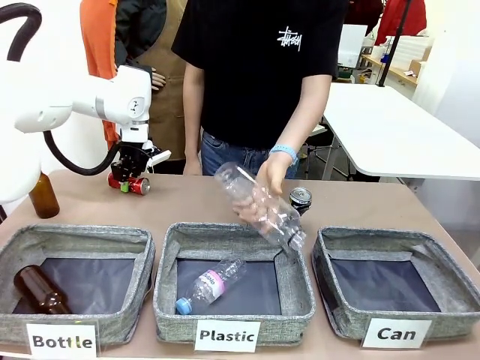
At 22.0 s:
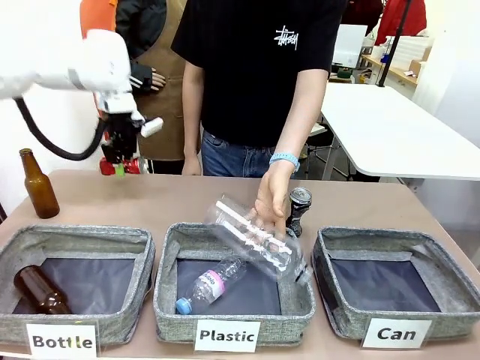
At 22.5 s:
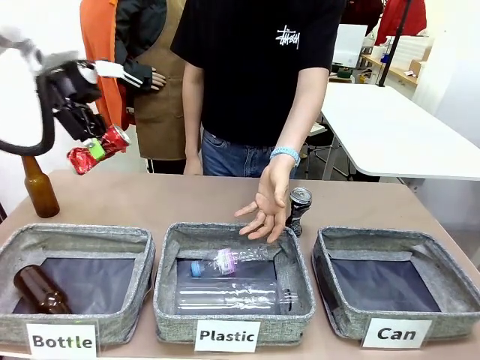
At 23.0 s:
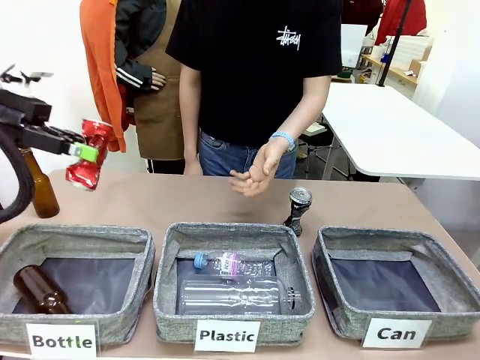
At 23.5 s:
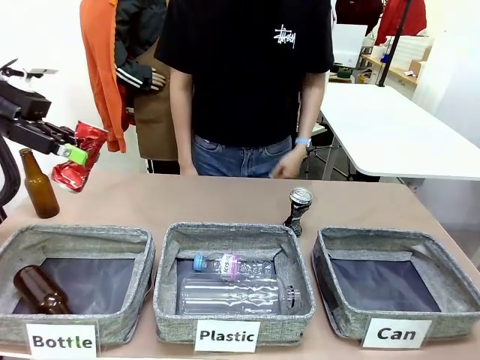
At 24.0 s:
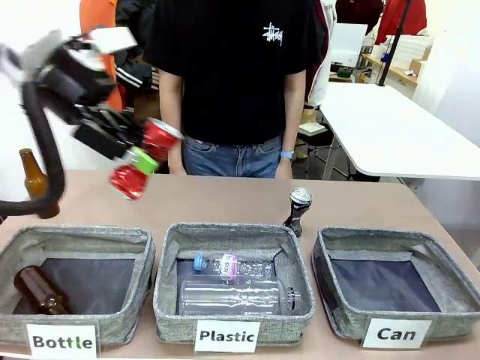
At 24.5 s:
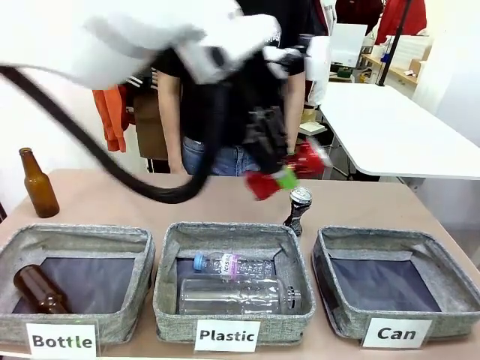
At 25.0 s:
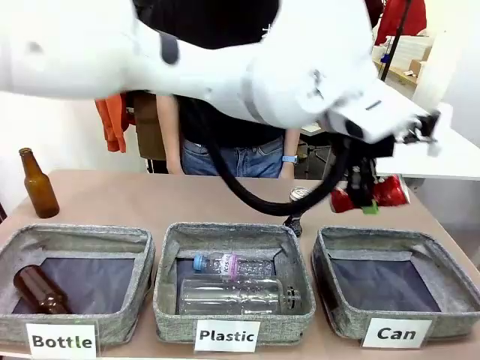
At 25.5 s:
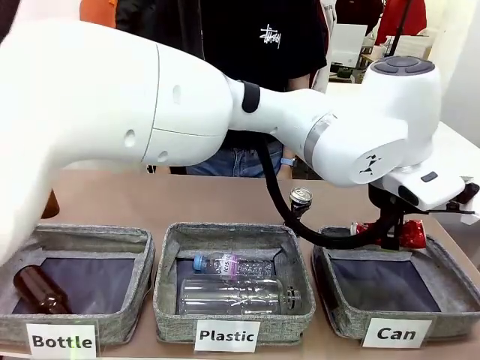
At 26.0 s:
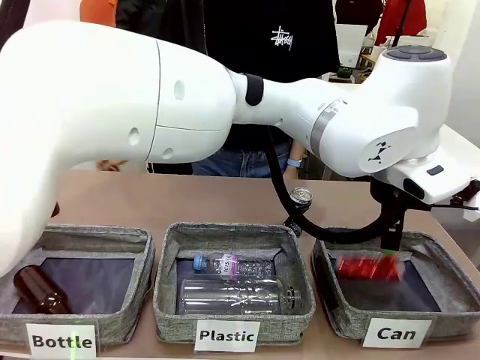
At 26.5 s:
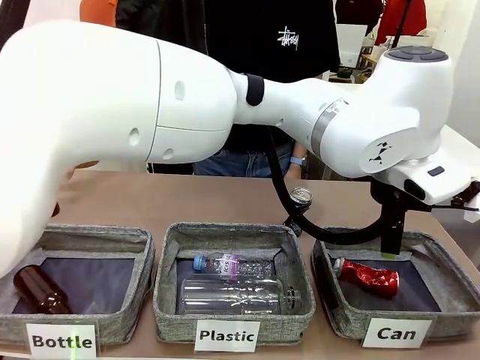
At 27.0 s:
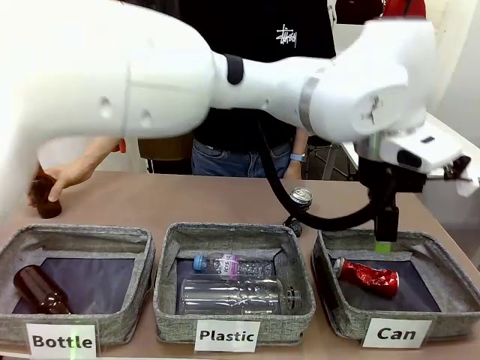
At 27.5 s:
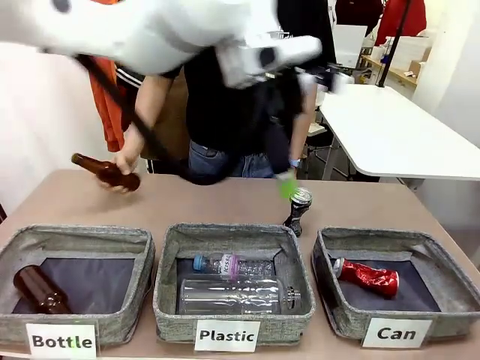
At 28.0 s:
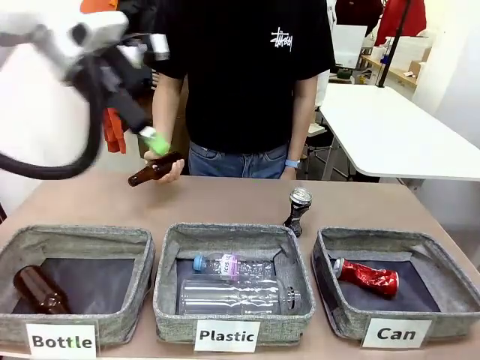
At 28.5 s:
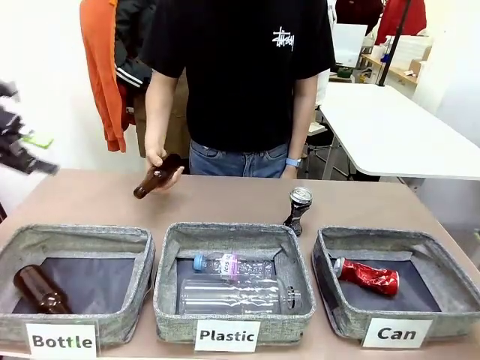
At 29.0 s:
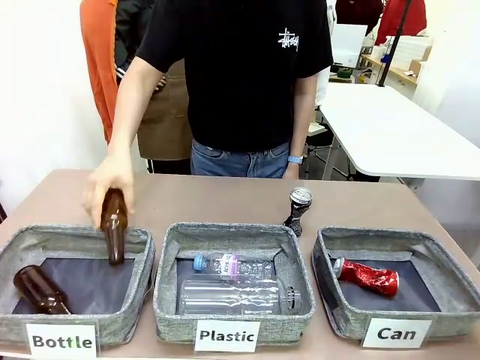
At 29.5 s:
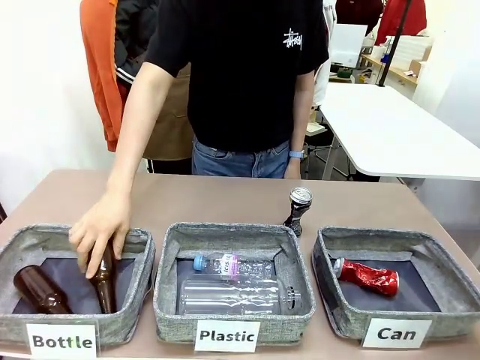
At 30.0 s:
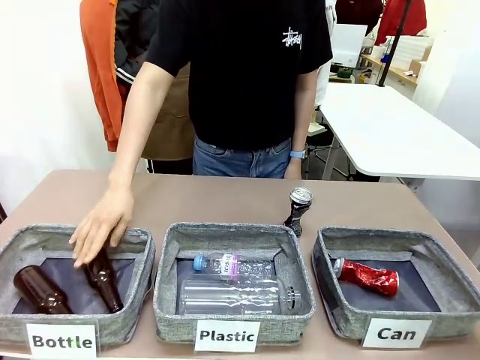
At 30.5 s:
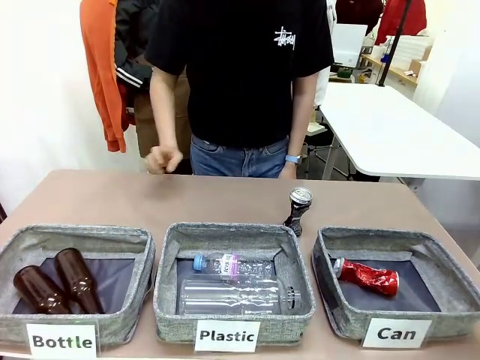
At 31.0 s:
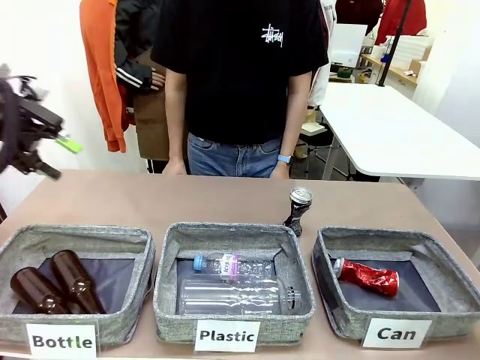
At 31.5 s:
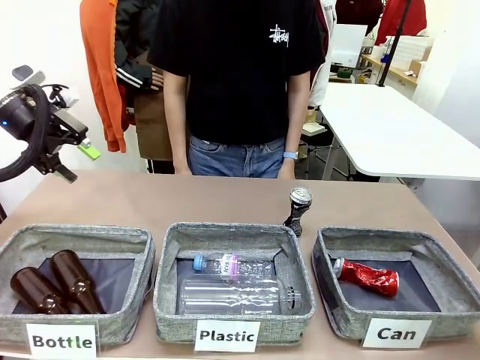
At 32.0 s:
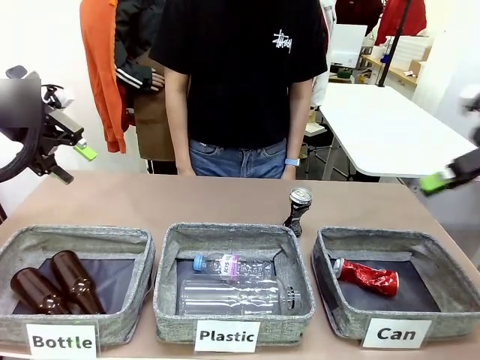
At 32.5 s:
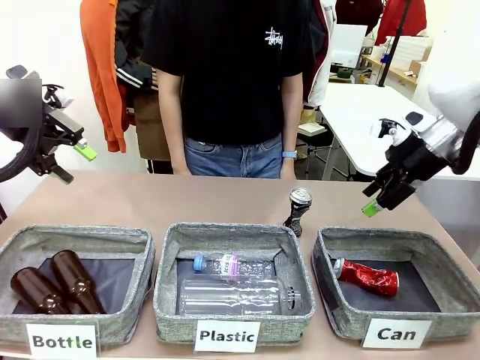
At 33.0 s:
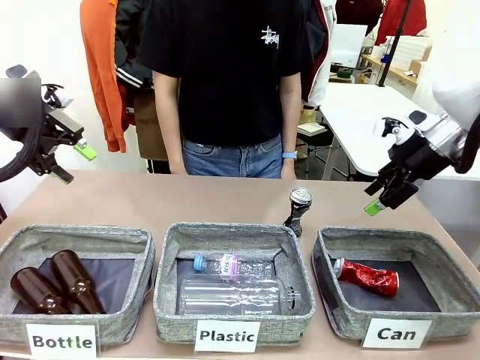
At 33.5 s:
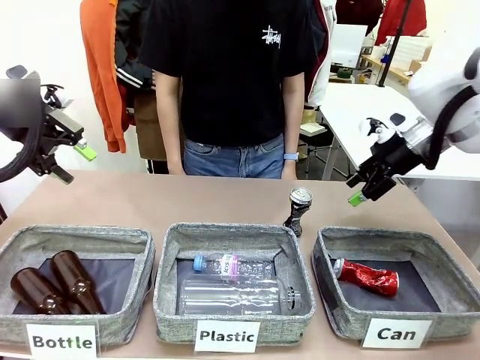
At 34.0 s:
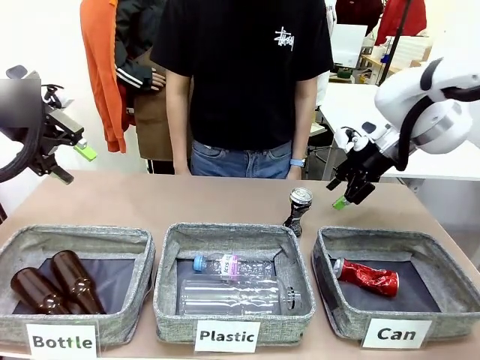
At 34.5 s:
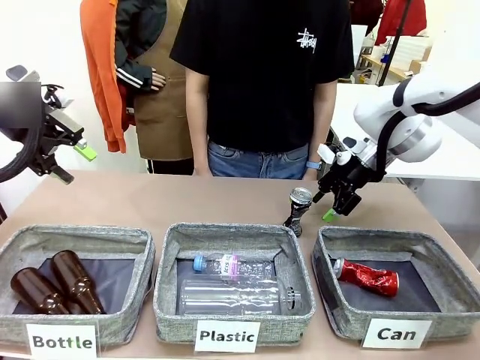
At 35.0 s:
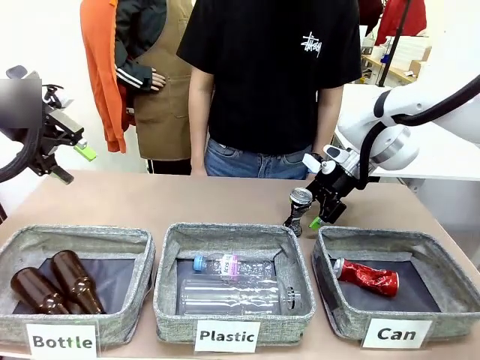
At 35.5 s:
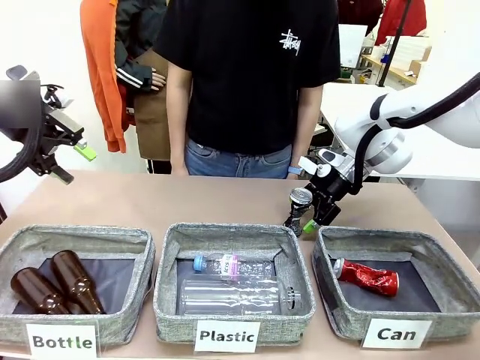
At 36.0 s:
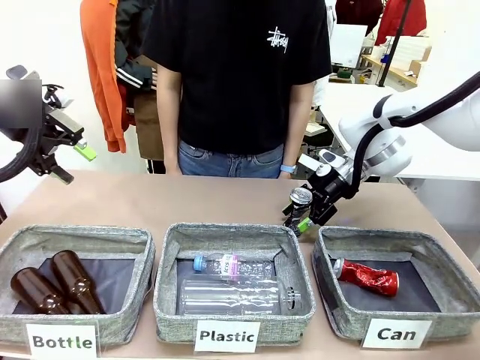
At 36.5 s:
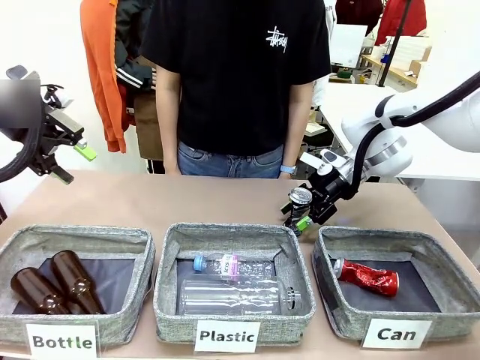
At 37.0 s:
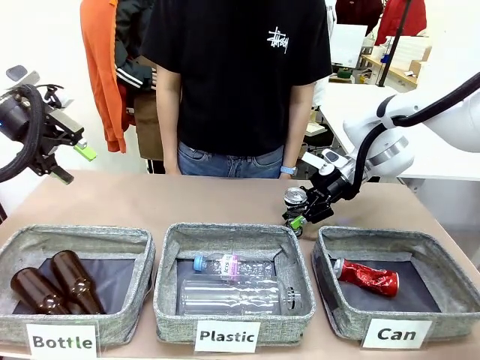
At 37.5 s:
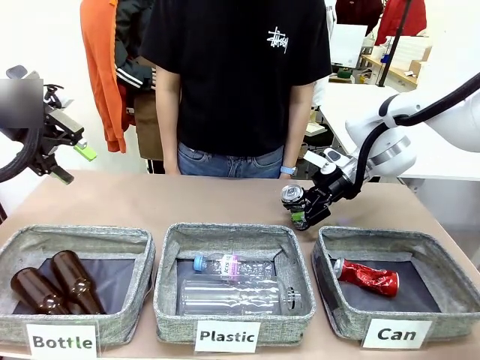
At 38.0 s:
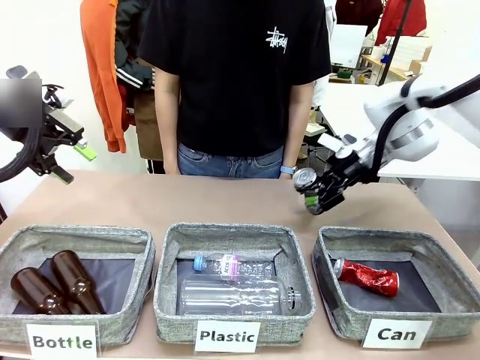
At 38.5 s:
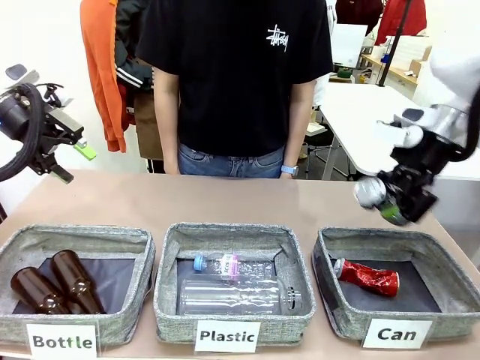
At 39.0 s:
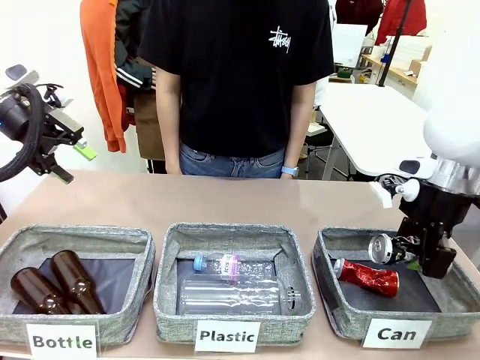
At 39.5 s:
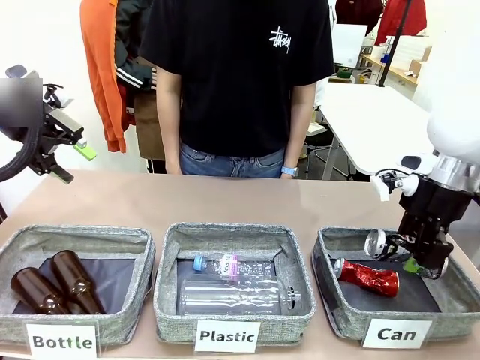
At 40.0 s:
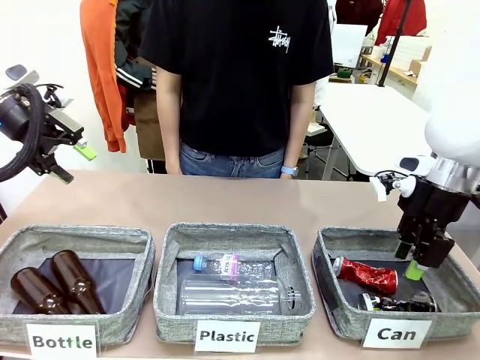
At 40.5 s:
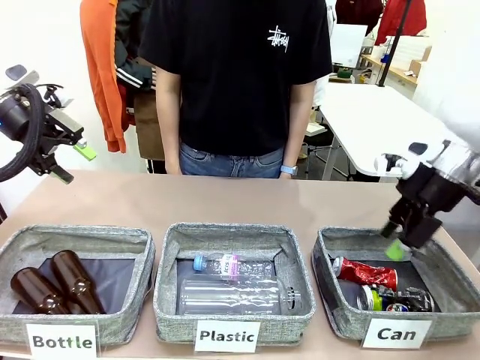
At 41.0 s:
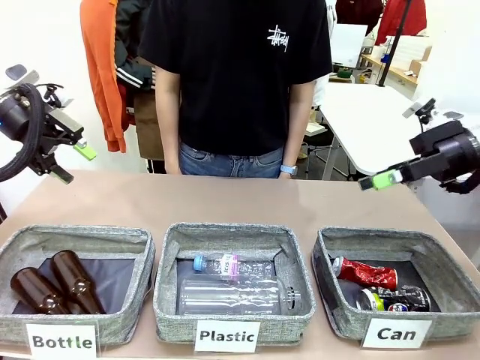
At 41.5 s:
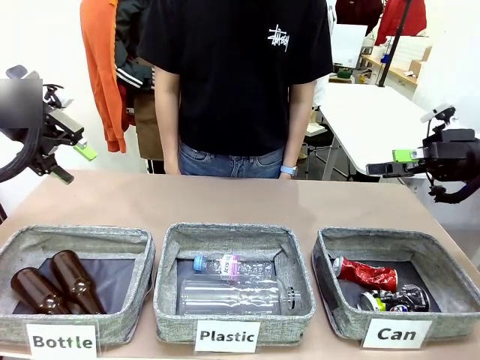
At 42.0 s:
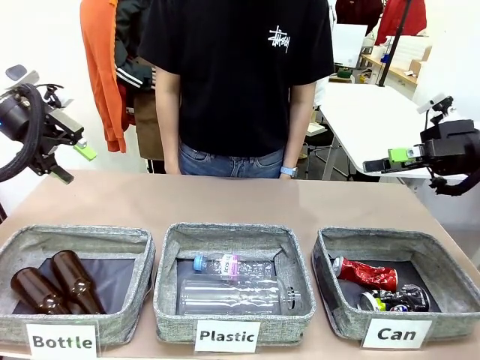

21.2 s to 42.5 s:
Task: Sort the can waste into the basket.
Robot: Pick up the can waste from the table and place it in the right Fabric basket.
Person: The human picks up one piece of trash that is not a can and places the trash into the appropriate organizing basket.
